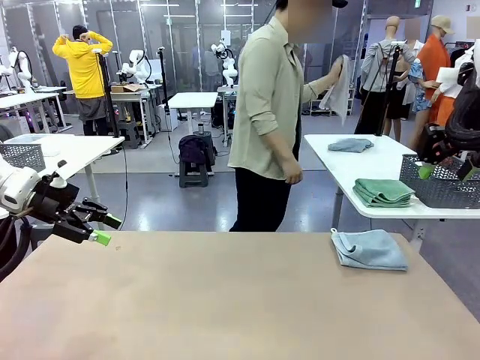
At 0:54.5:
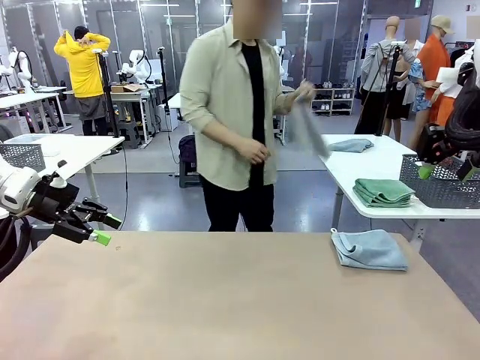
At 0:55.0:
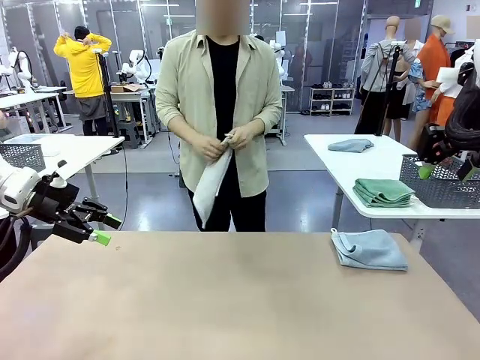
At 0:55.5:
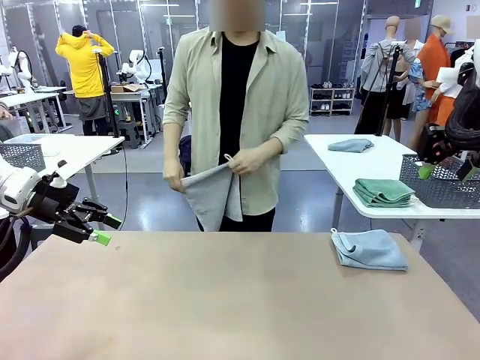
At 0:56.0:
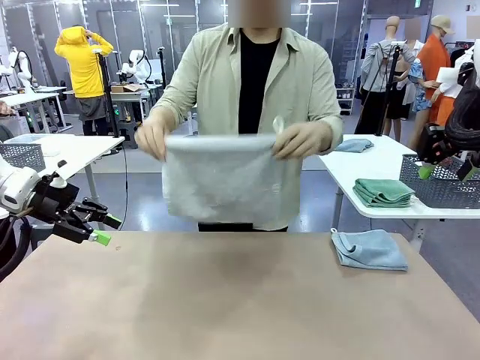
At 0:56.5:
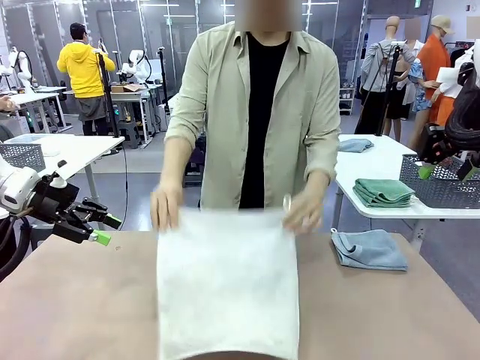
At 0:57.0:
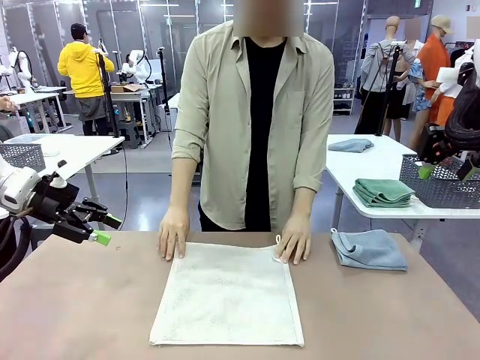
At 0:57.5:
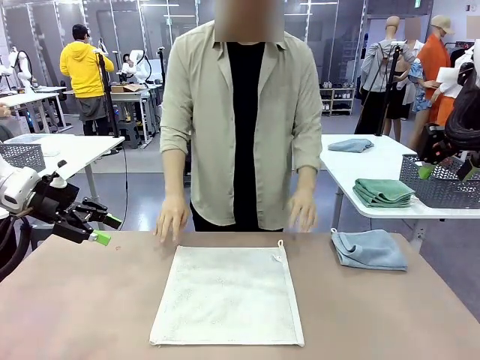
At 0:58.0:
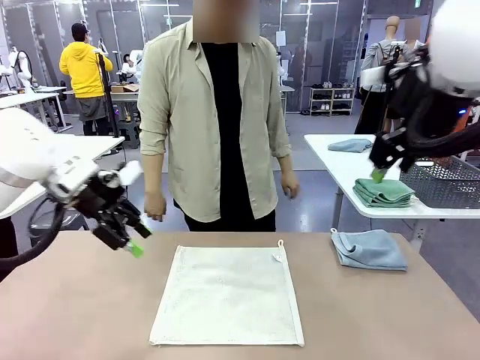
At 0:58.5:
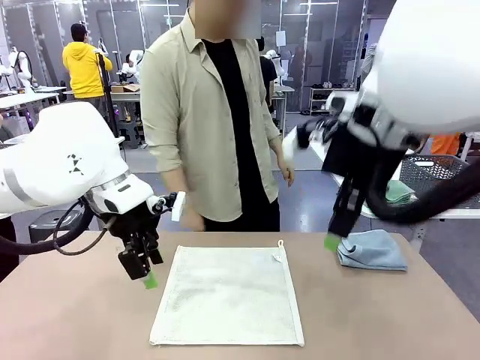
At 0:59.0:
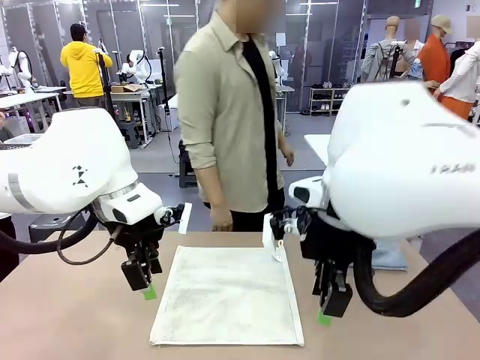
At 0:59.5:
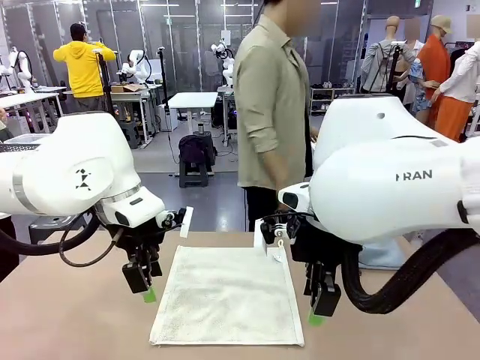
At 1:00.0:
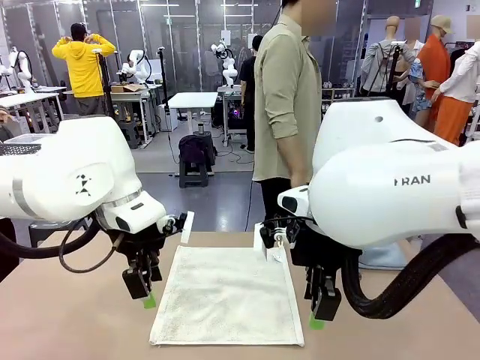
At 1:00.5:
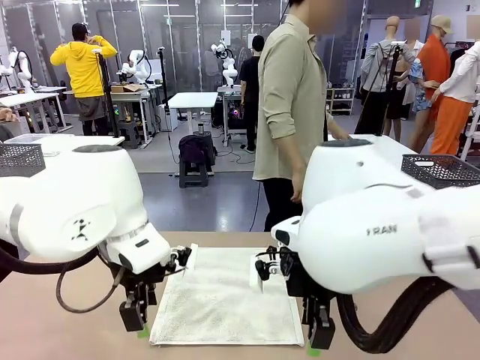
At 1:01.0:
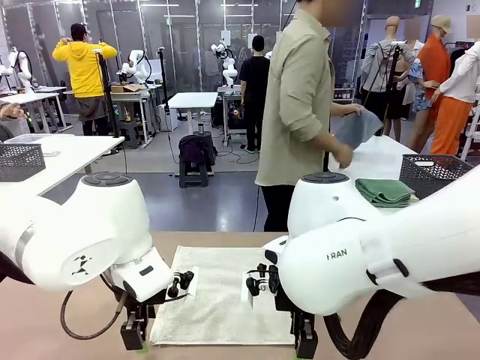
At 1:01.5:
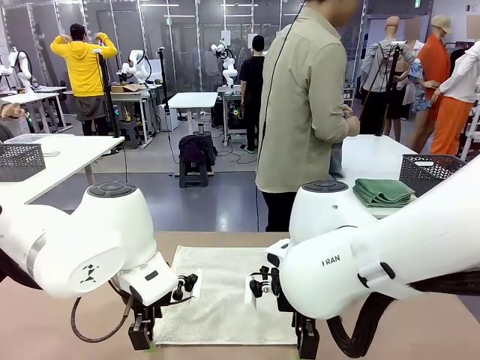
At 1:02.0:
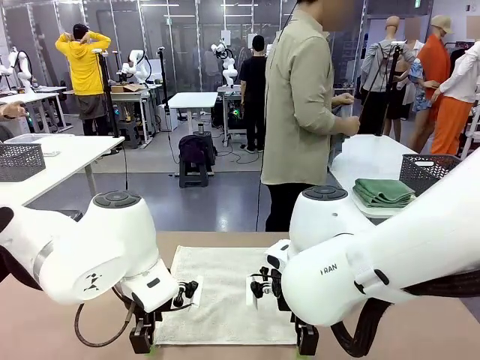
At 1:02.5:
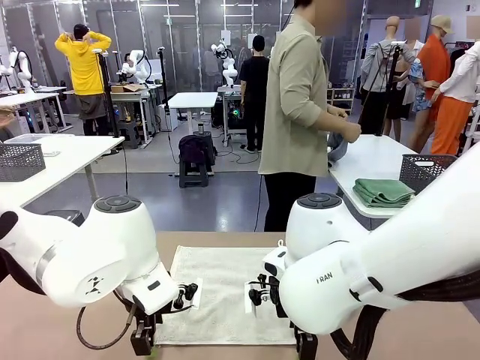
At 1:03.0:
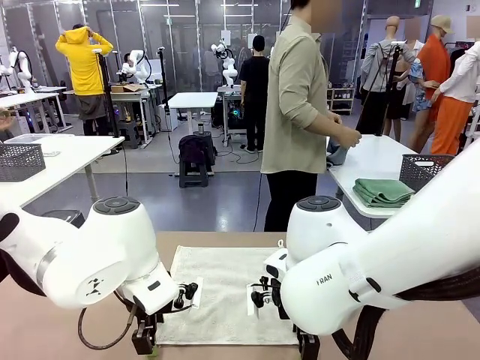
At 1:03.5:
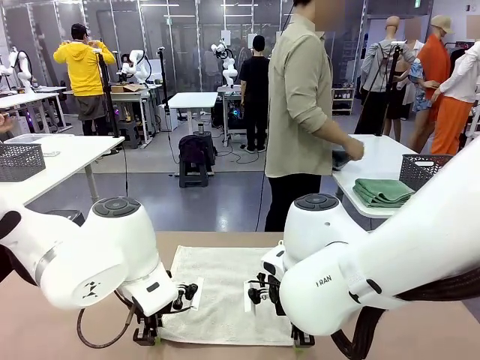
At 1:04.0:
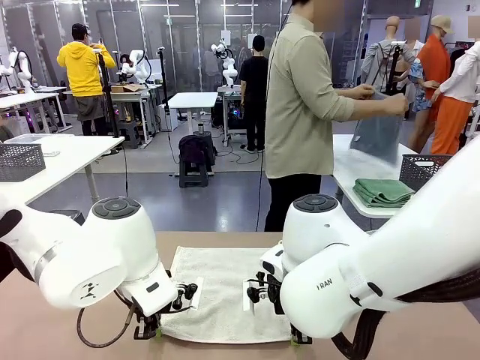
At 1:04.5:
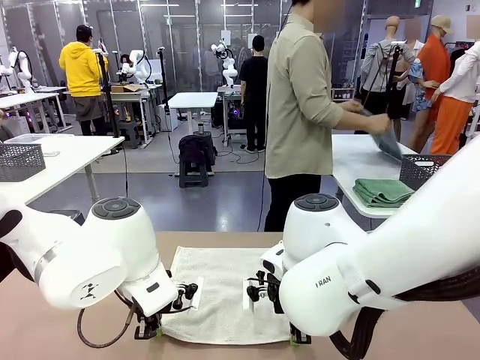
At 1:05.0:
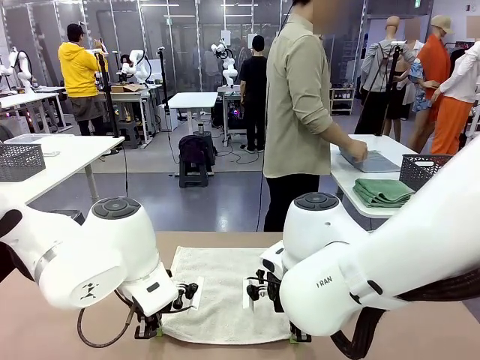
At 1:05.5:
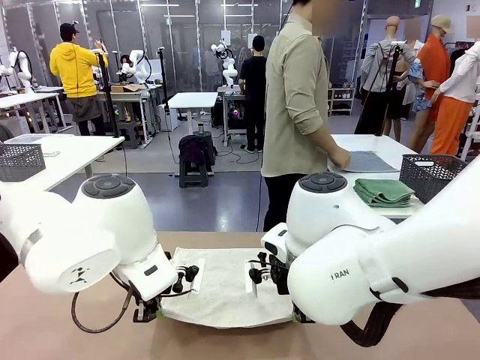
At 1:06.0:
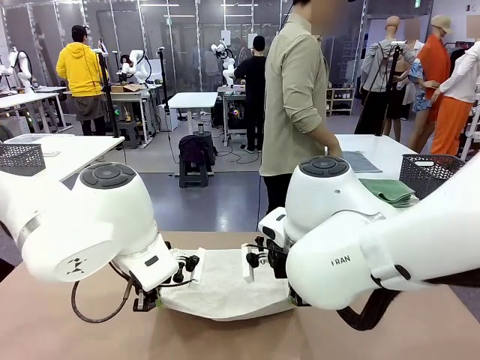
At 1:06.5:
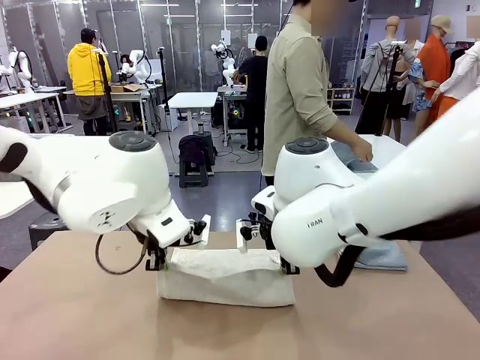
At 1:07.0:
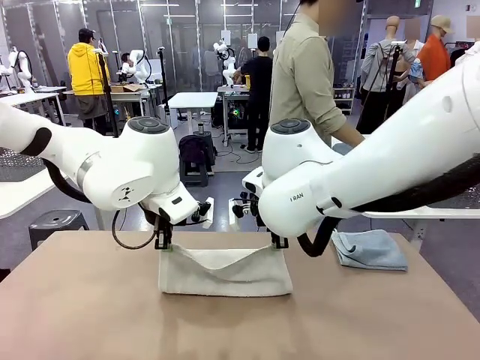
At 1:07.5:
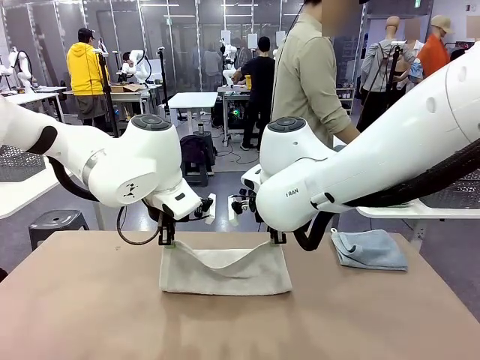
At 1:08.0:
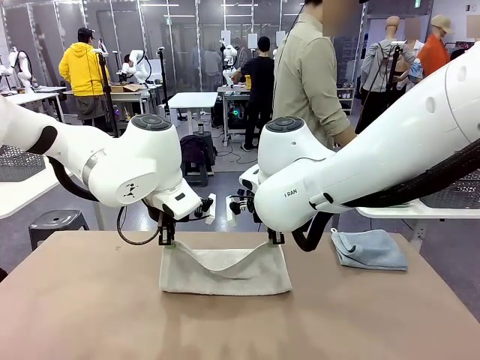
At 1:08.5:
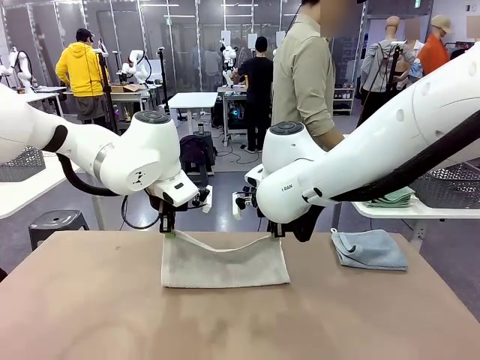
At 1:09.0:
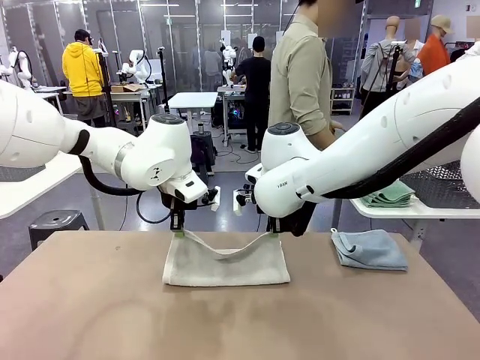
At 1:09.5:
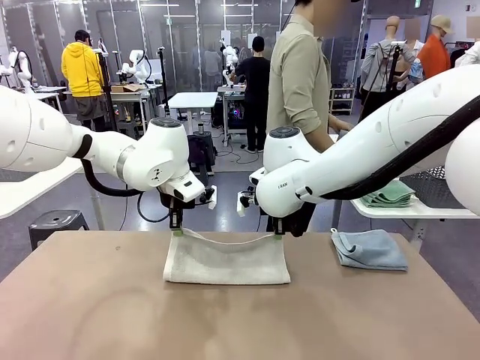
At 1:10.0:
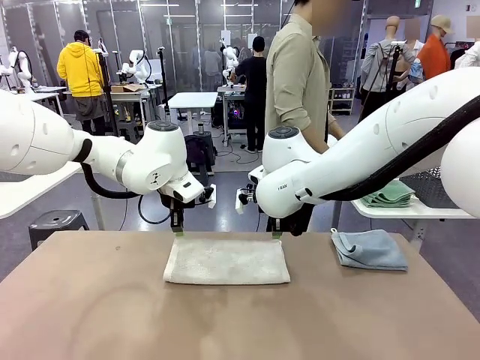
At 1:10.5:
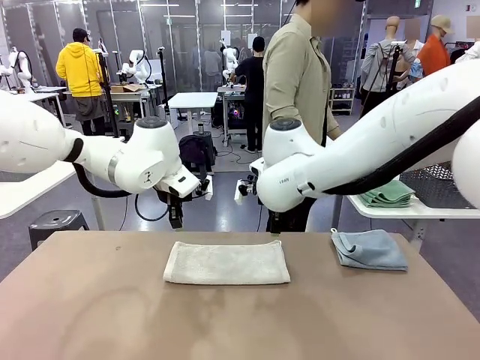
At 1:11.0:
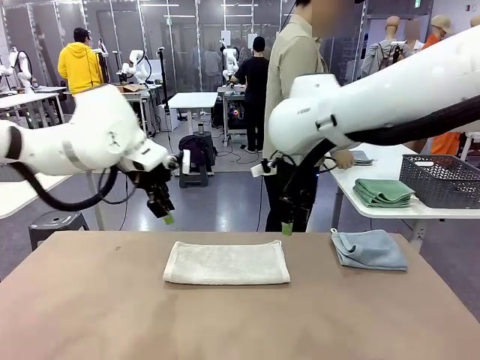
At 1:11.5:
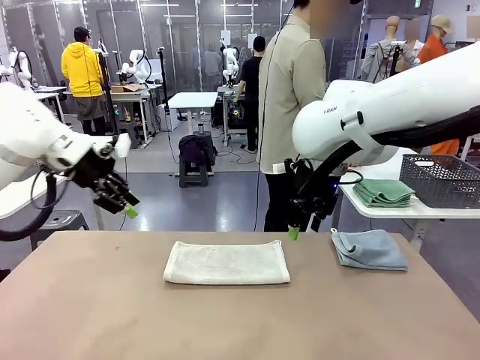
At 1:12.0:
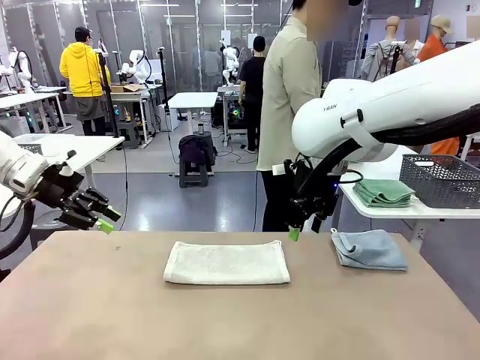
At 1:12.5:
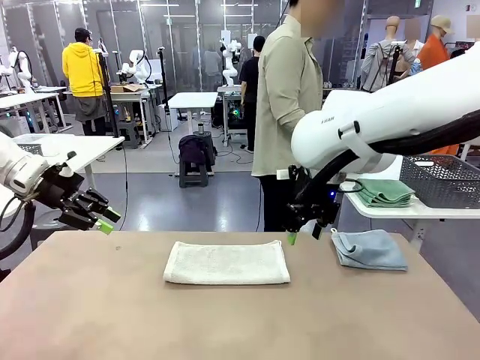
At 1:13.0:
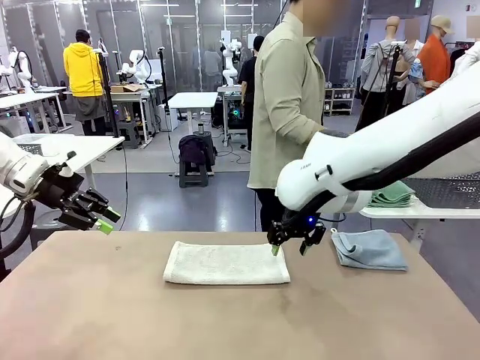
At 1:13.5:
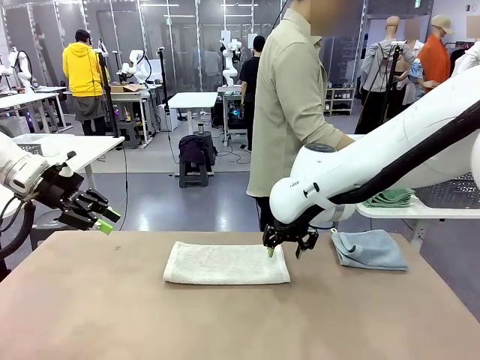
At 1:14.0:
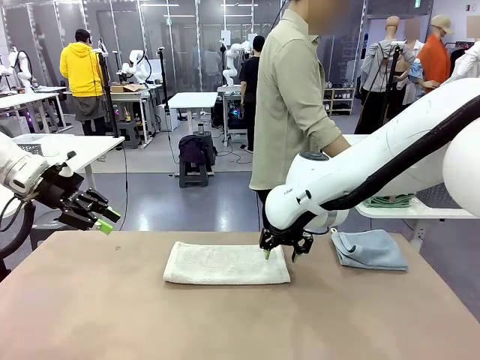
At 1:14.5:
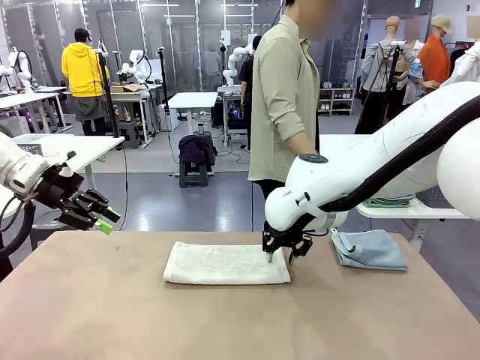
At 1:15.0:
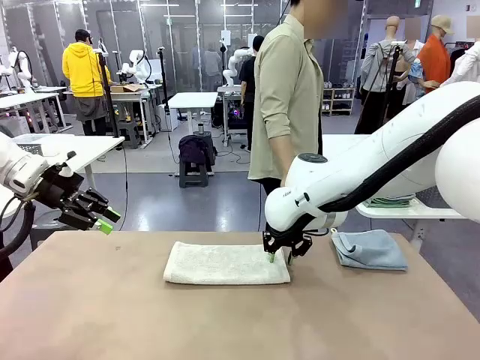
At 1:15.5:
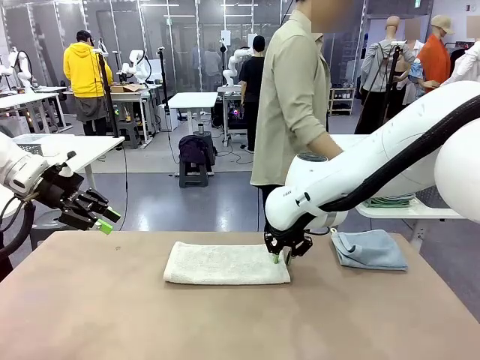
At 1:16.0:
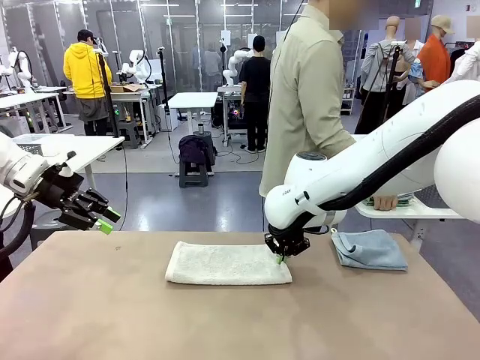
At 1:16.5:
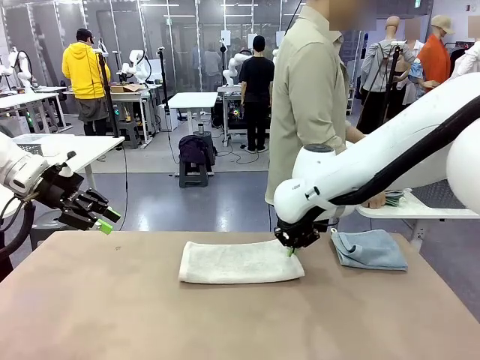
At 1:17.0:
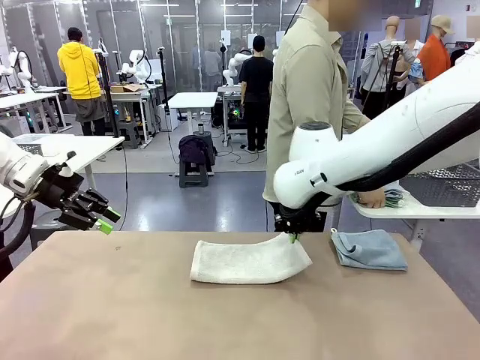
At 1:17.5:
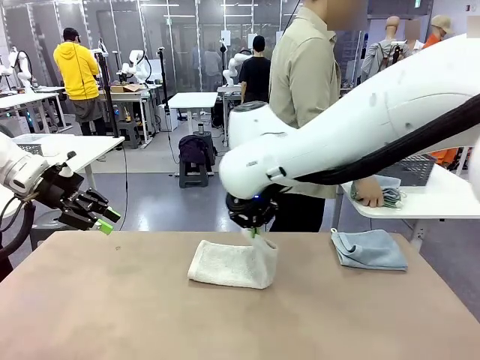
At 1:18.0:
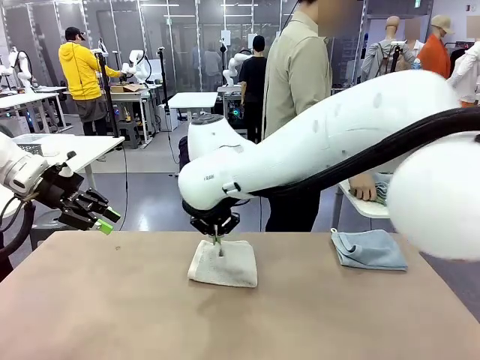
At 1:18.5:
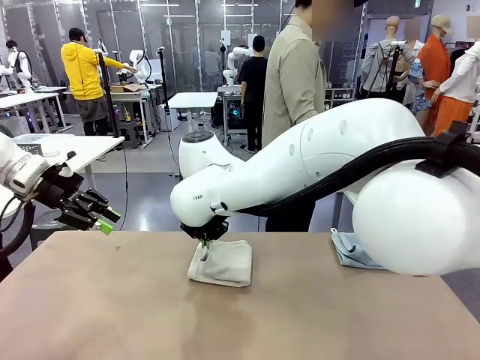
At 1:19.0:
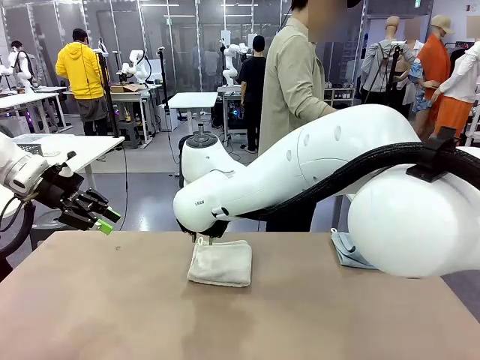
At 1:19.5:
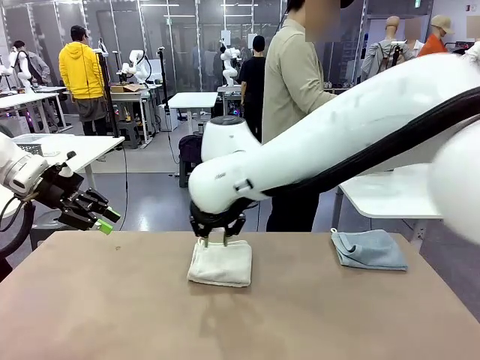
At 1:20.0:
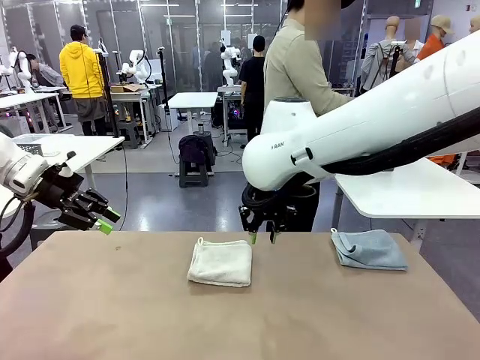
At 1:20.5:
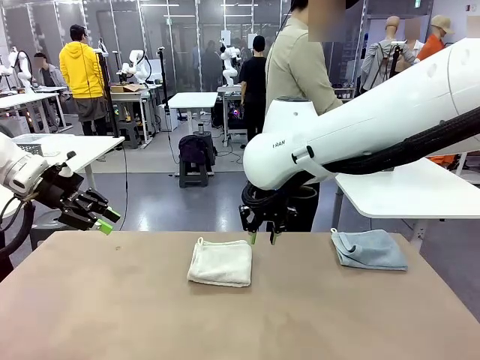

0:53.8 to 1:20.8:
Task: Fold the towels and place them in the basket.
Robot: When a person lays out a Towel with hook on the table, fold it in half twice.
Person: Pick up one towel from the left side of the human table and spread it out at the center of the robot table. Pick up one towel from the left side of the human table, fold it in half twice, and stack it on the right side of the table. Pick up the stack of towels from the right side of the human table, place it into the basket, and put the basket at the center of the table.
